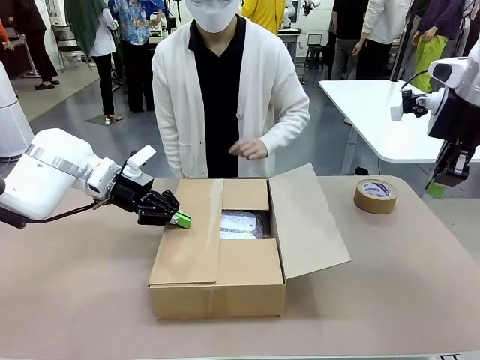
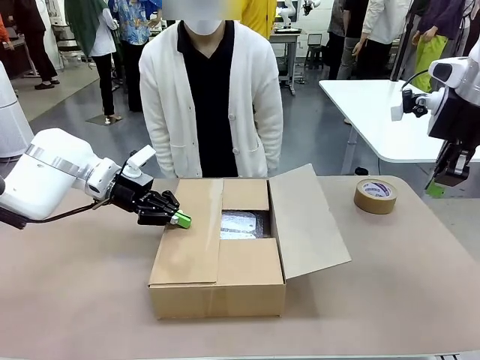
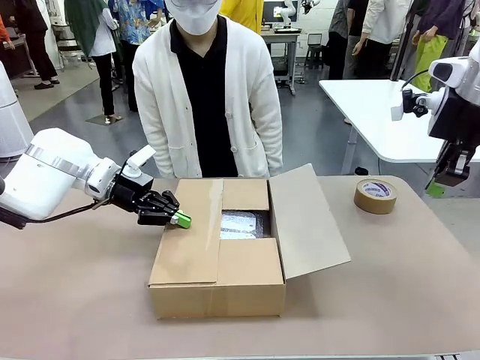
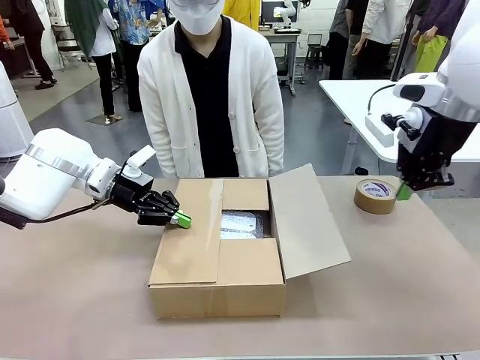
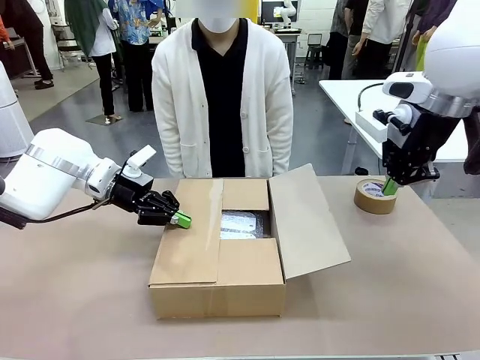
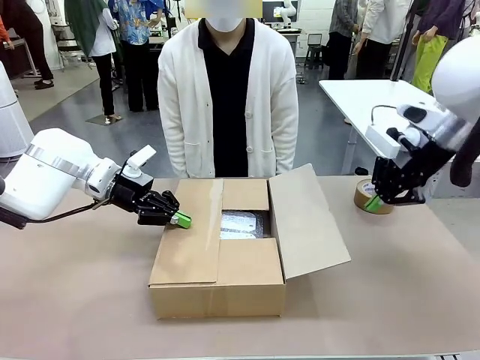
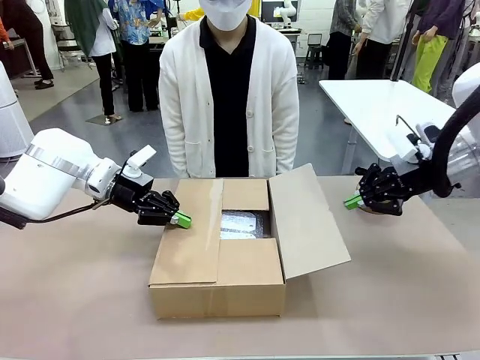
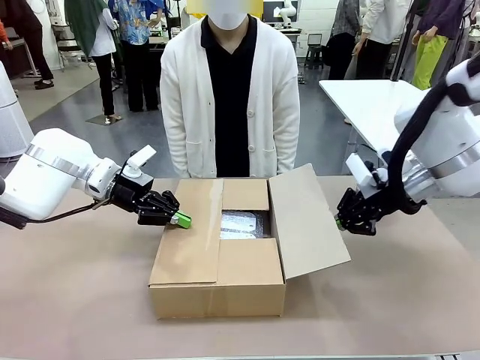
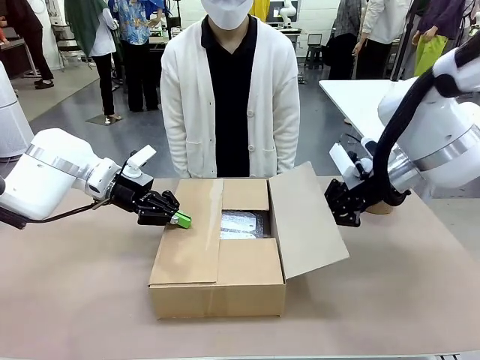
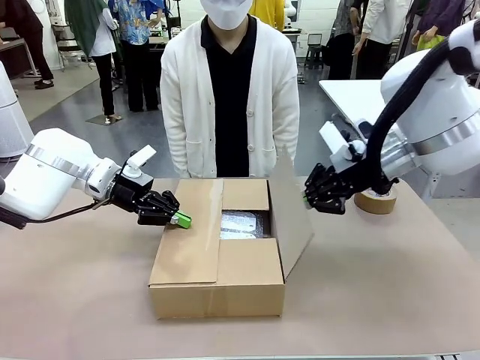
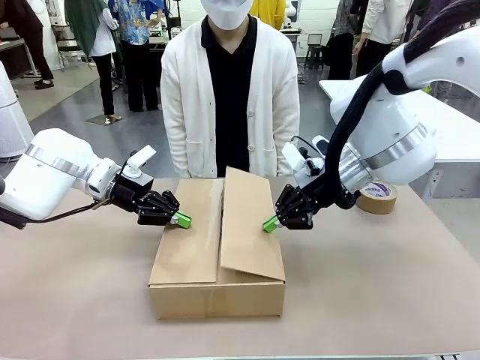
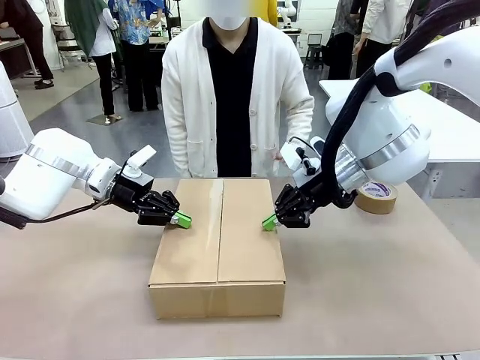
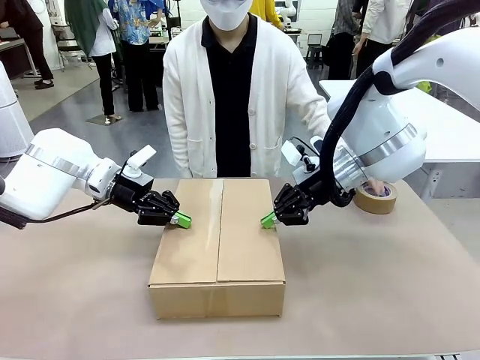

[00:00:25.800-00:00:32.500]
Task: Wrap the clocks to prevent damage.
Robot: Push the left (or right) flap of the Package Box to close it.

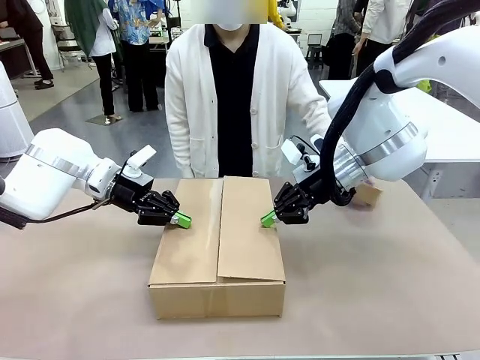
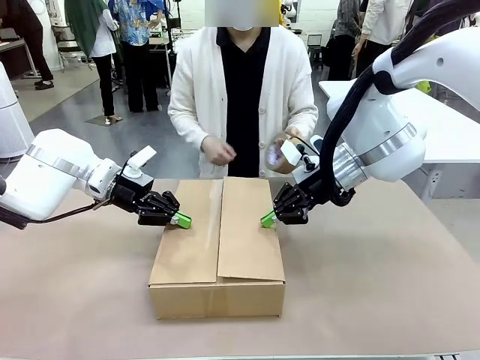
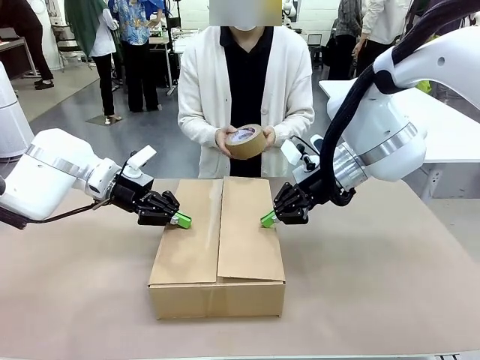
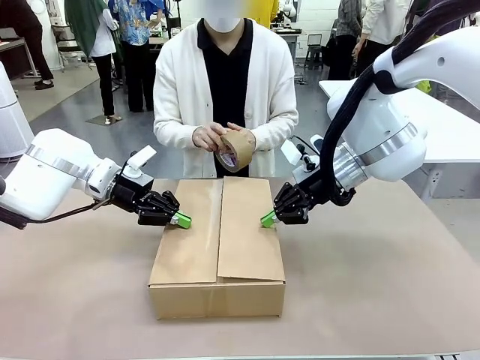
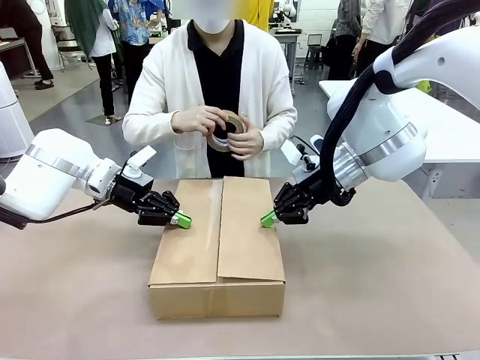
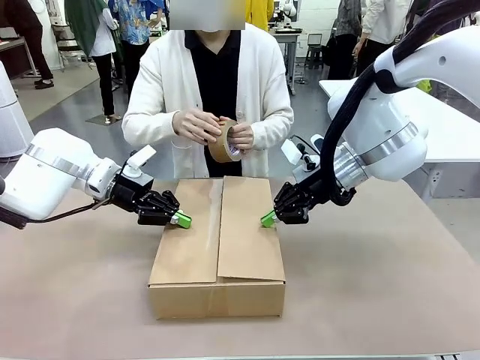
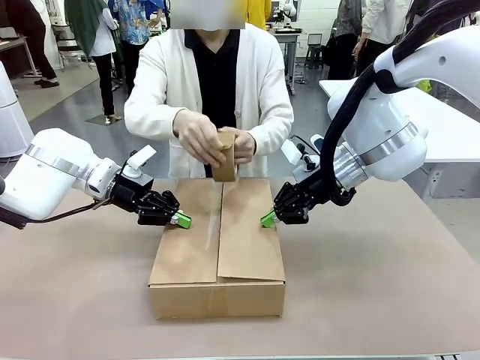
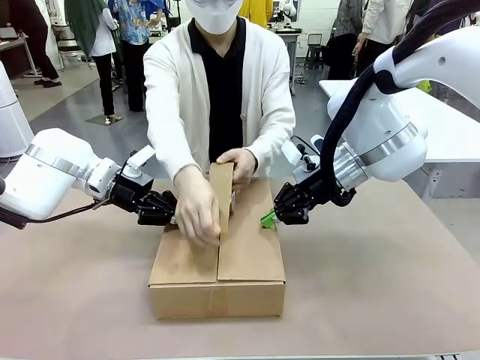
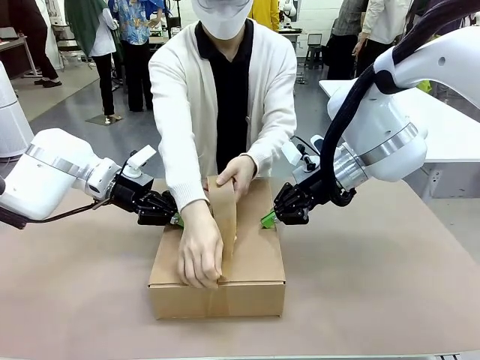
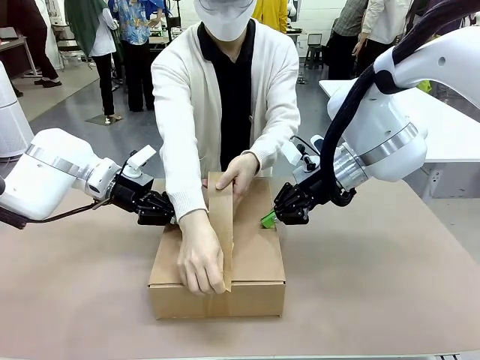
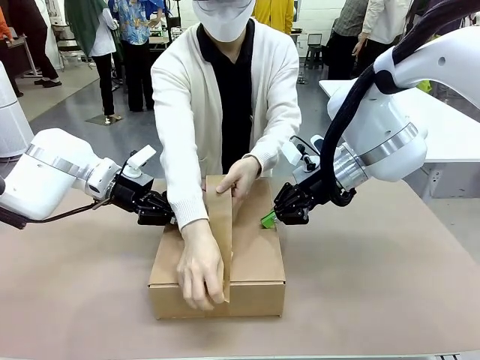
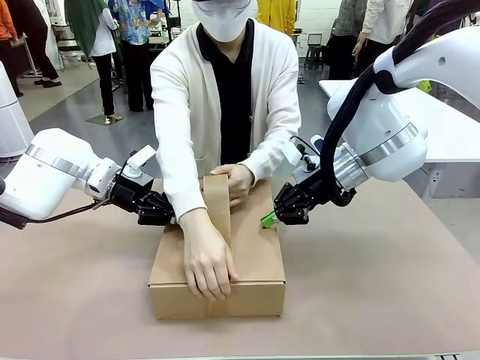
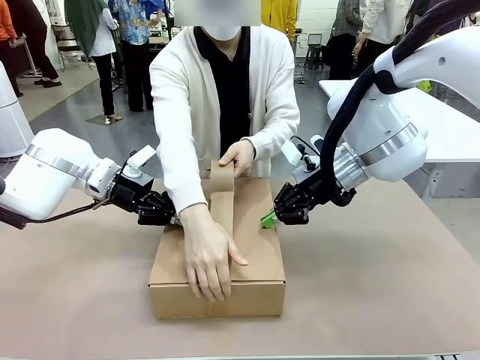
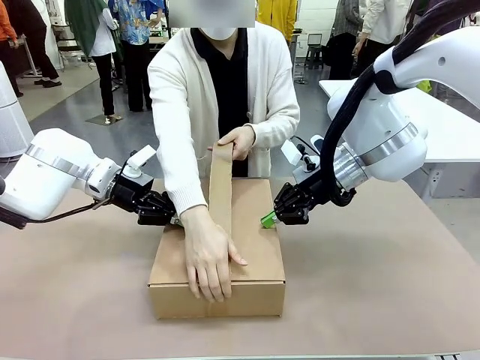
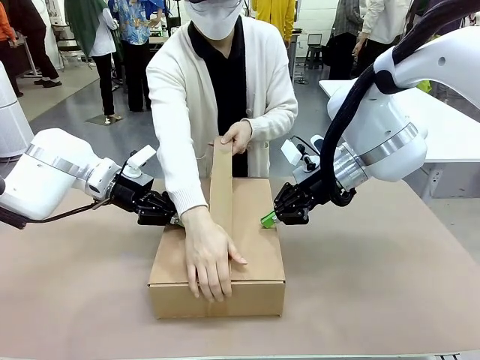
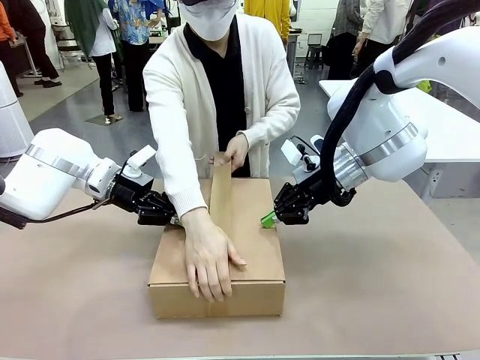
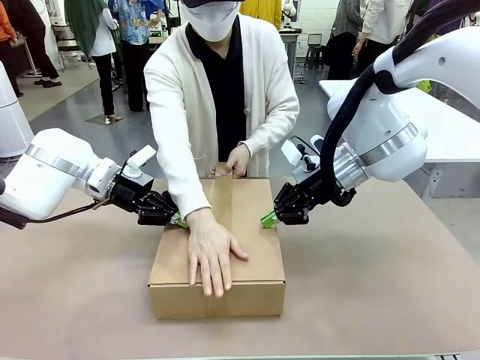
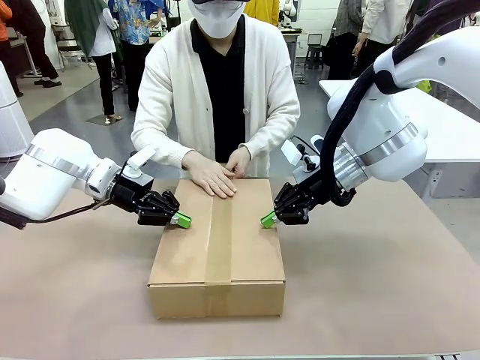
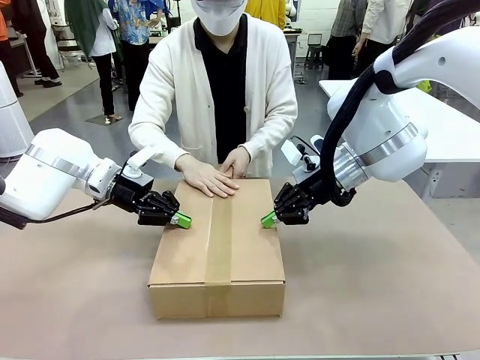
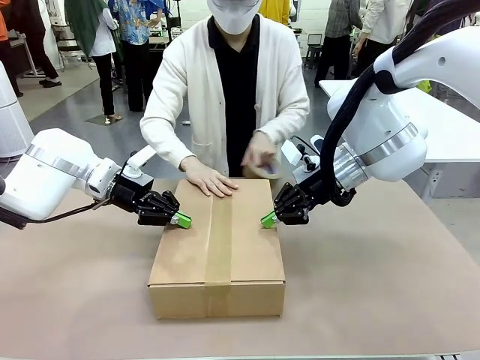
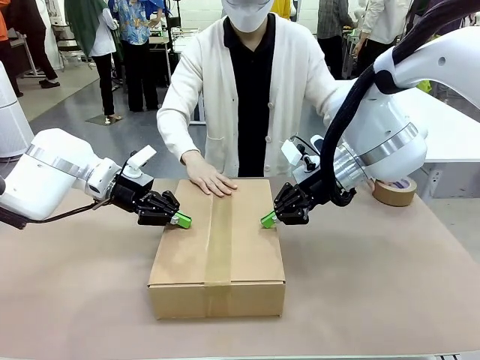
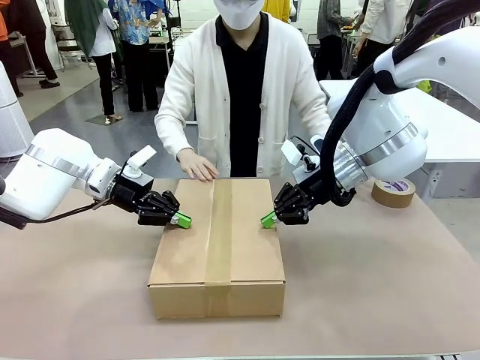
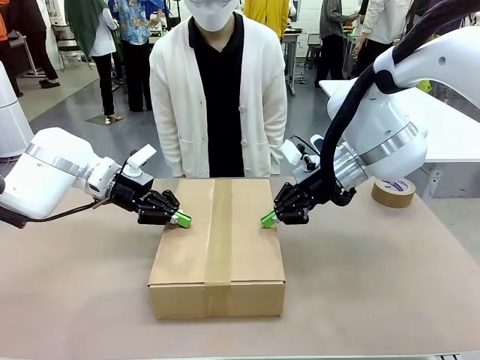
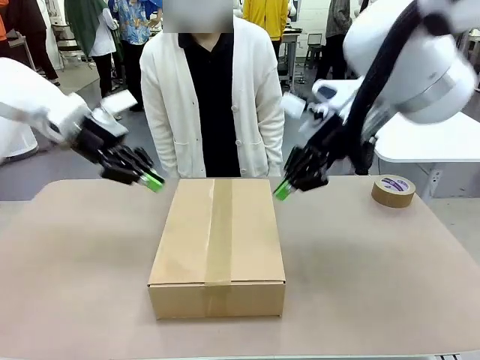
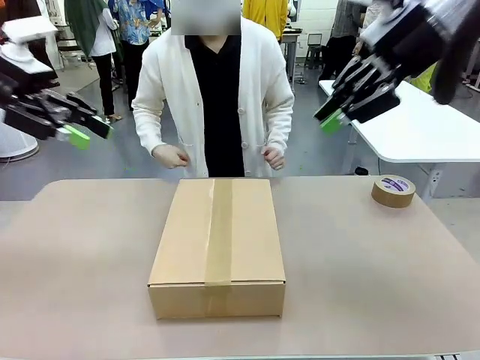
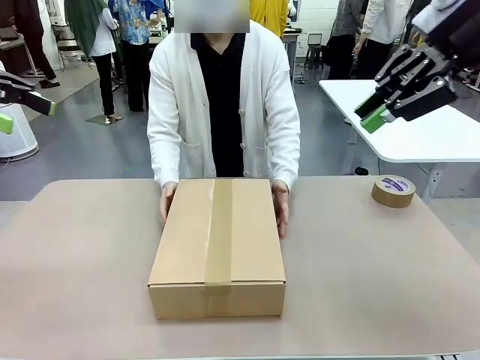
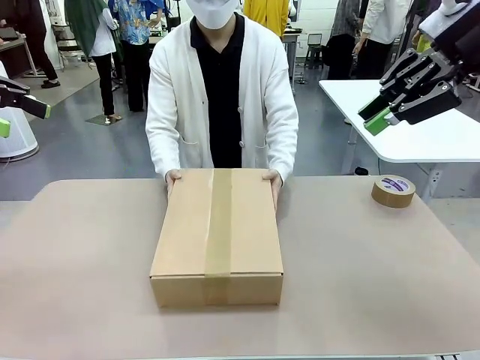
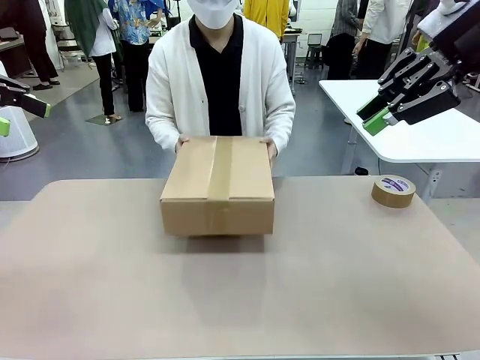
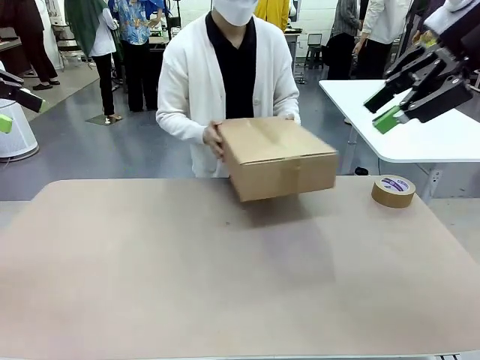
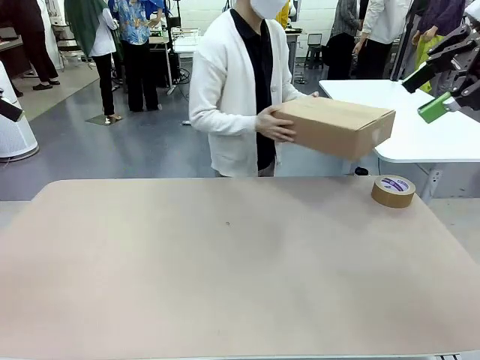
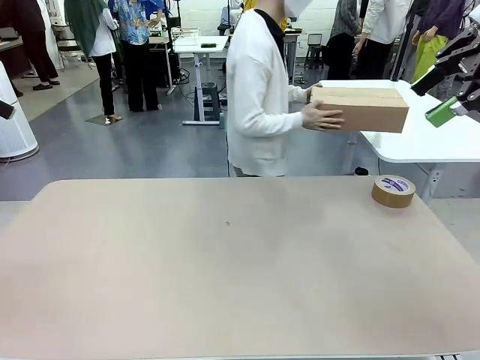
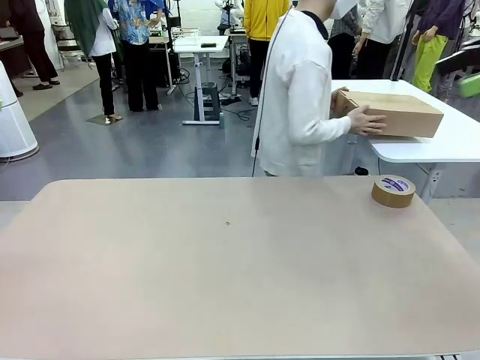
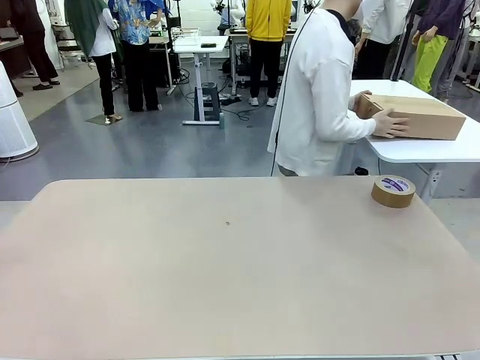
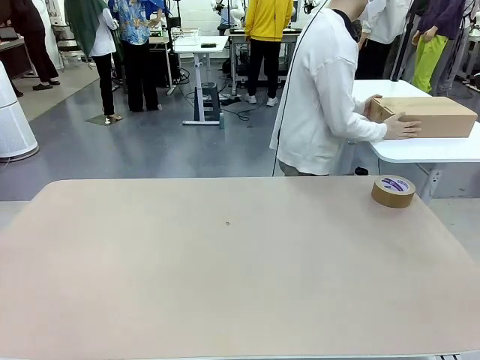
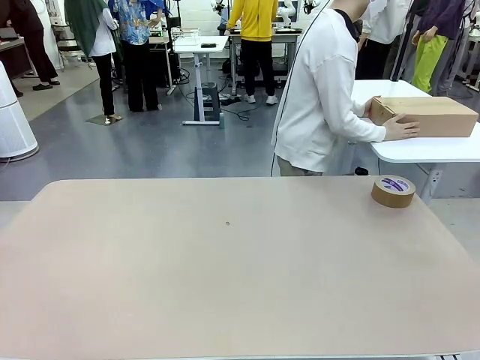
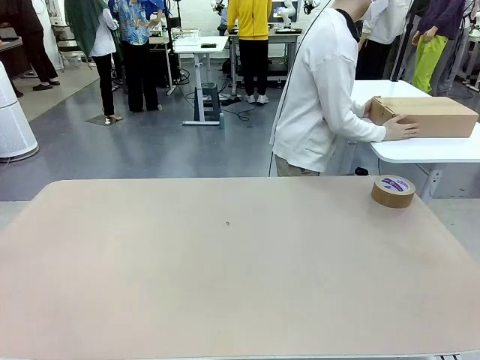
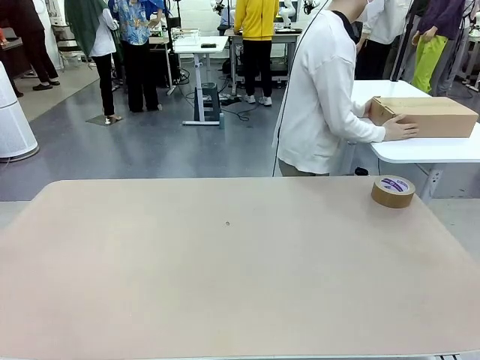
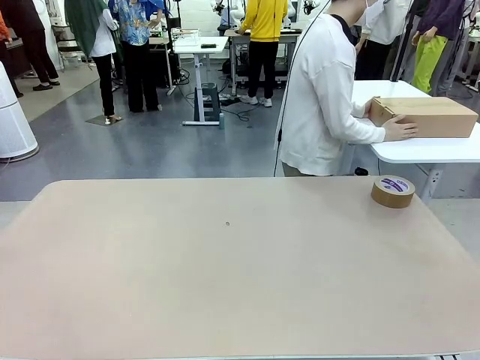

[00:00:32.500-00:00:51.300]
Robot: After the human seals the box with tape, release both hands from the side flaps of the Package Box.
Person: Once the robot closes the left flap of the Package Box , seal the box with Paper Tape. Place sealed Package Box in the middle of the human's table.
